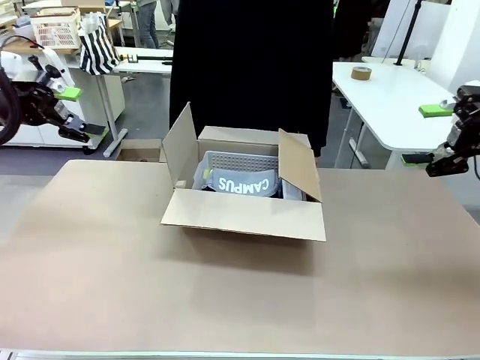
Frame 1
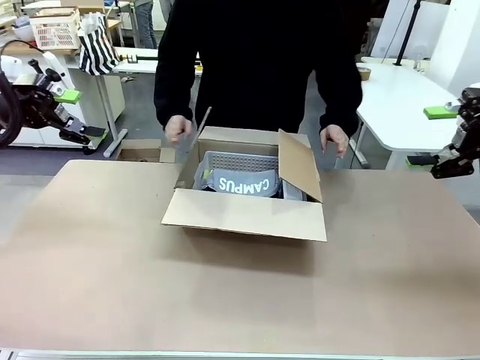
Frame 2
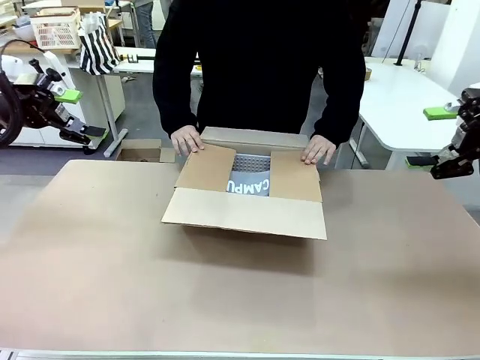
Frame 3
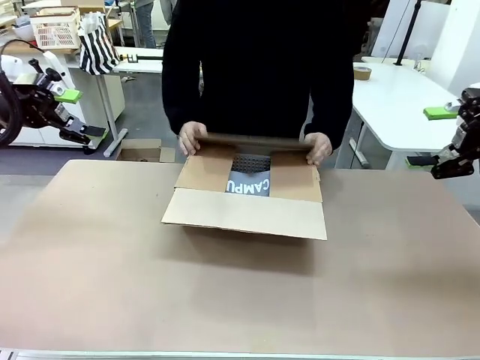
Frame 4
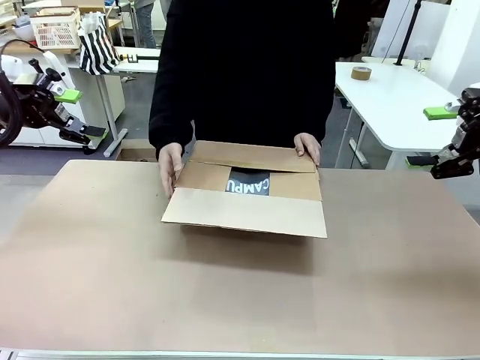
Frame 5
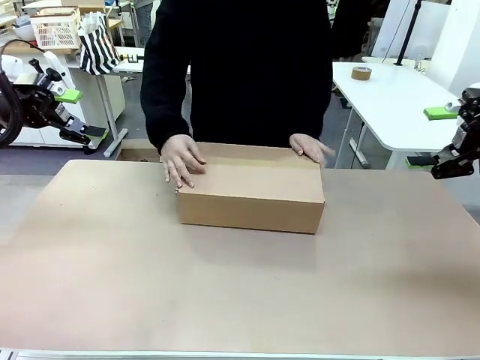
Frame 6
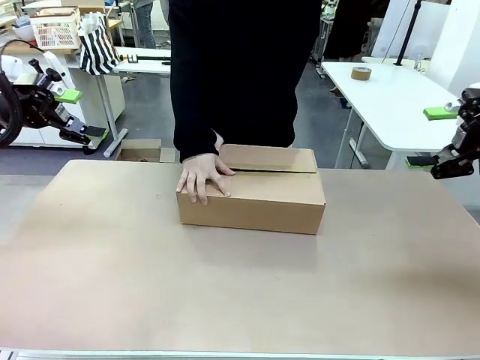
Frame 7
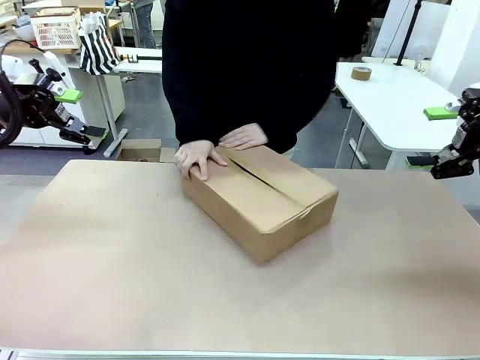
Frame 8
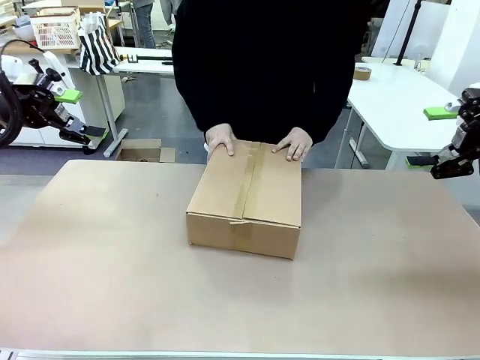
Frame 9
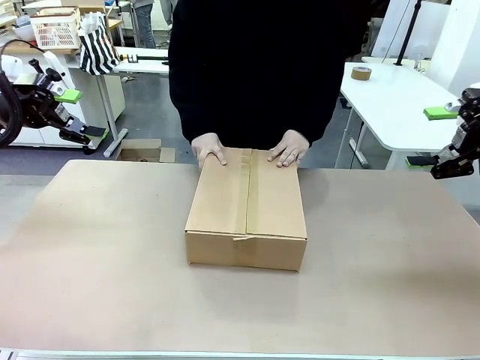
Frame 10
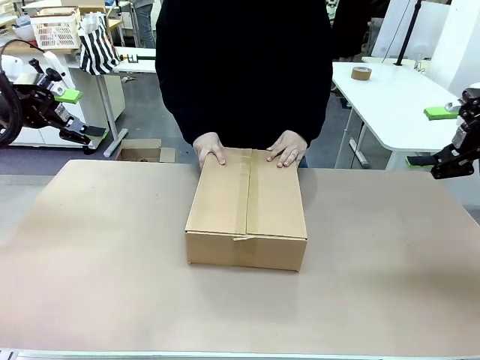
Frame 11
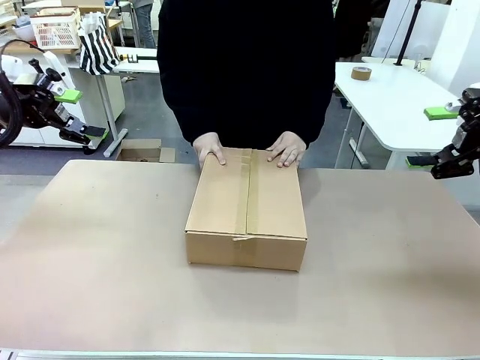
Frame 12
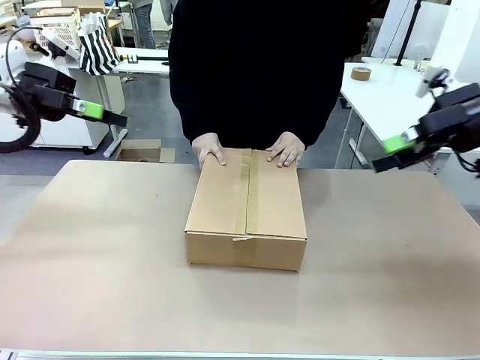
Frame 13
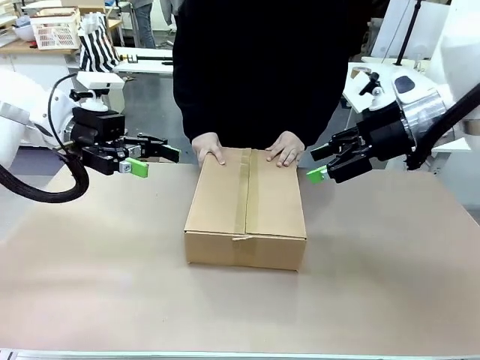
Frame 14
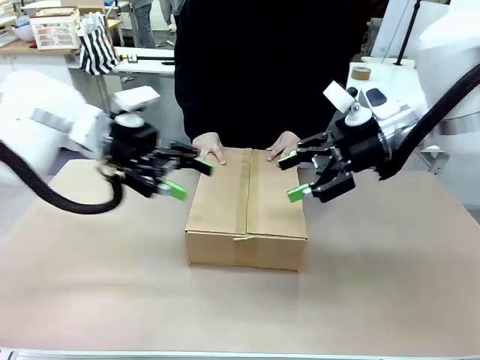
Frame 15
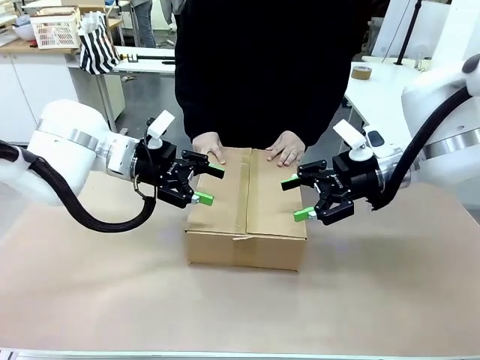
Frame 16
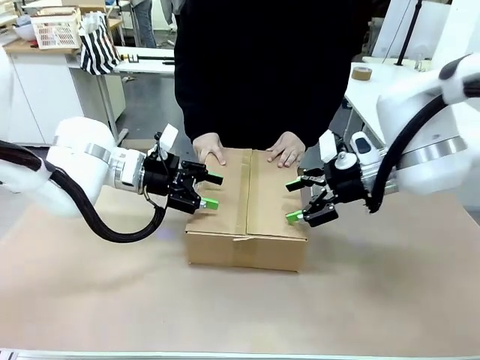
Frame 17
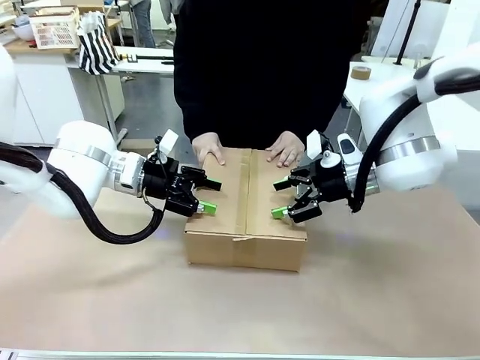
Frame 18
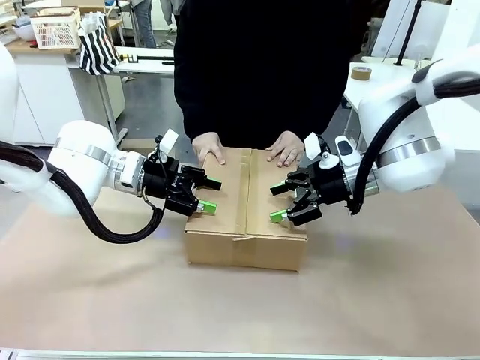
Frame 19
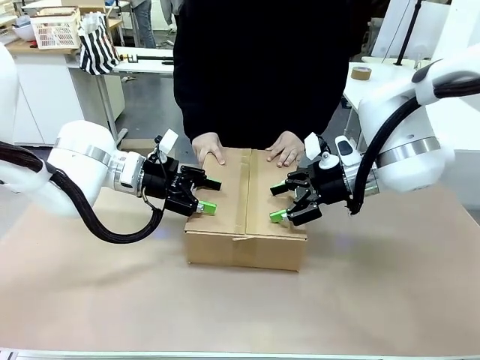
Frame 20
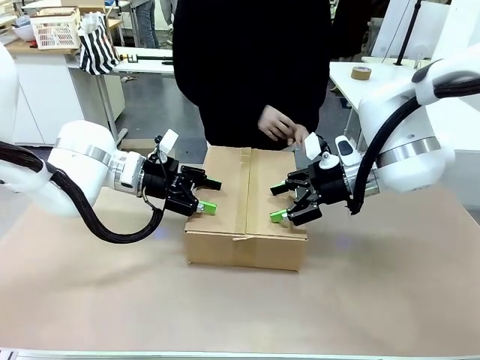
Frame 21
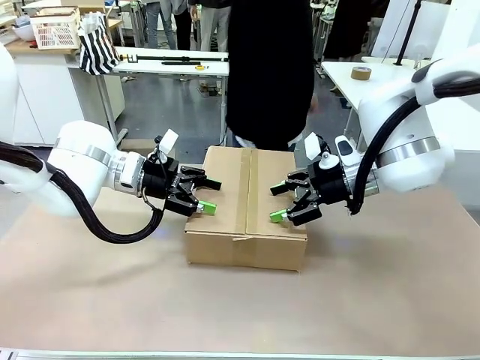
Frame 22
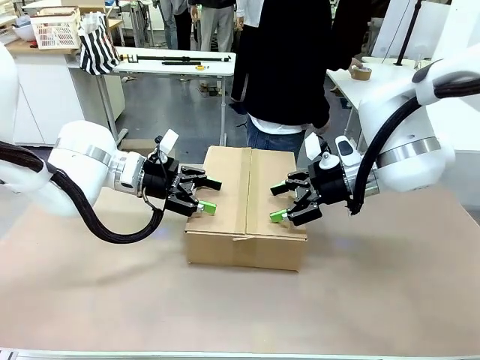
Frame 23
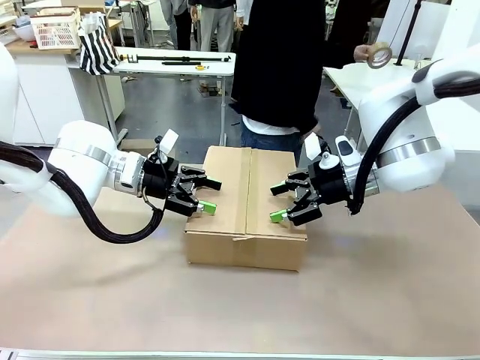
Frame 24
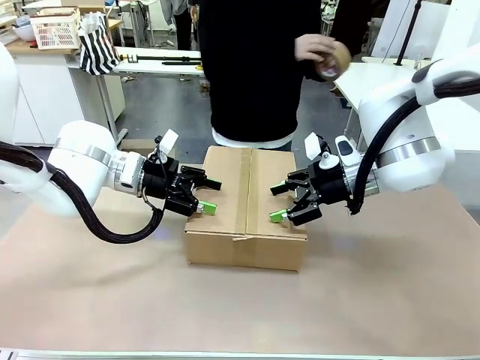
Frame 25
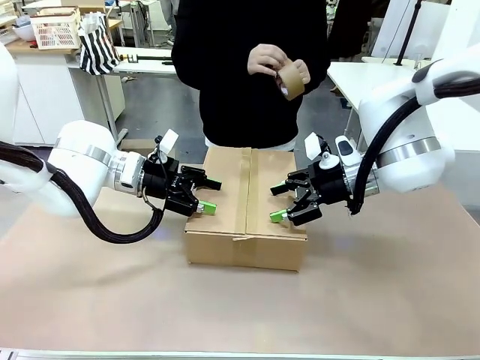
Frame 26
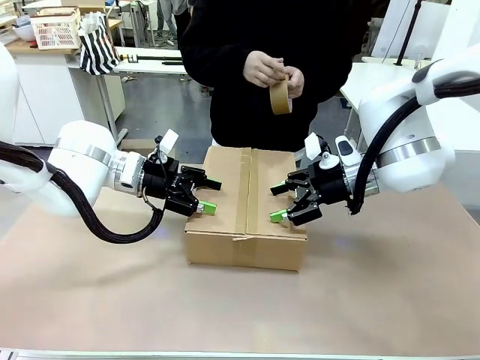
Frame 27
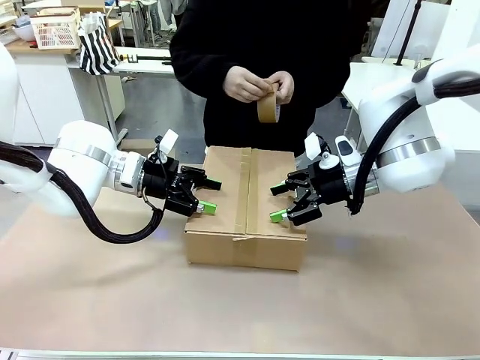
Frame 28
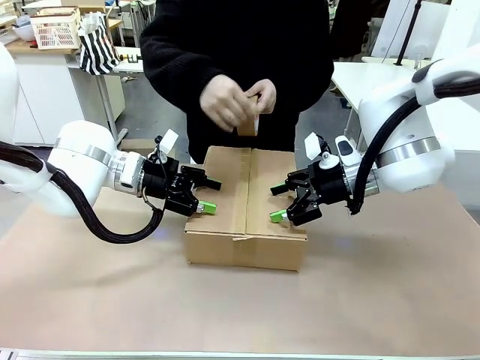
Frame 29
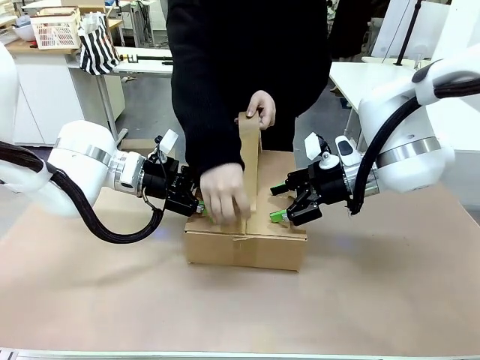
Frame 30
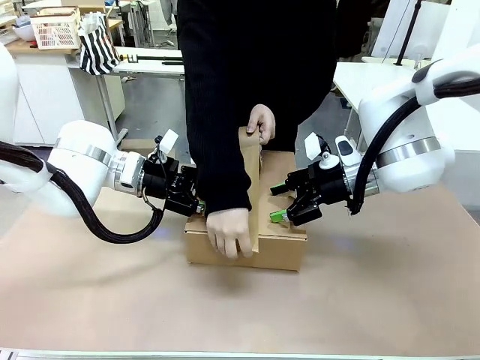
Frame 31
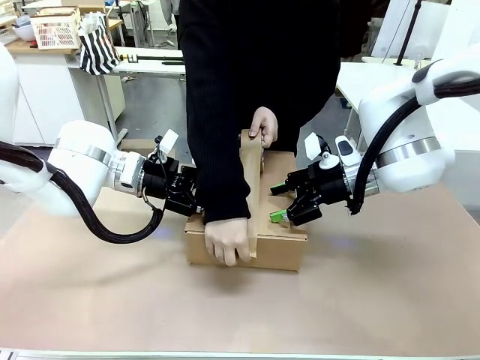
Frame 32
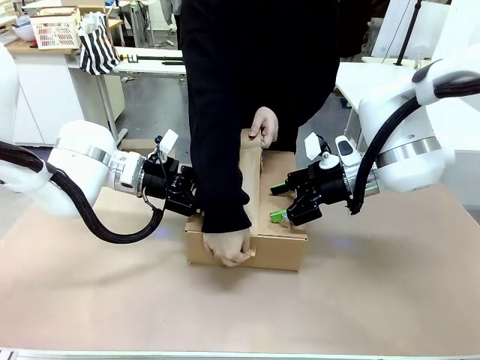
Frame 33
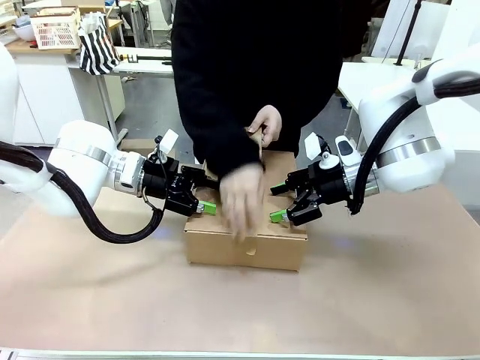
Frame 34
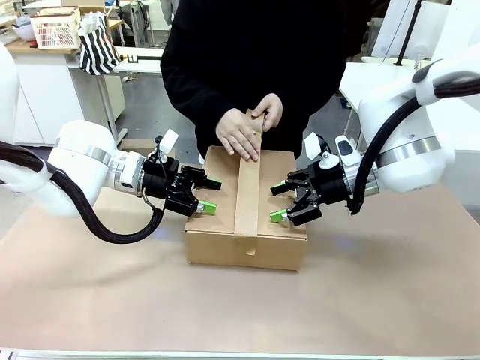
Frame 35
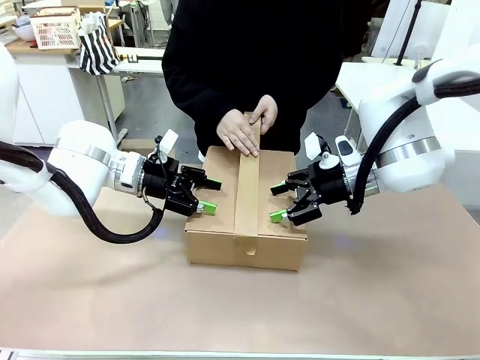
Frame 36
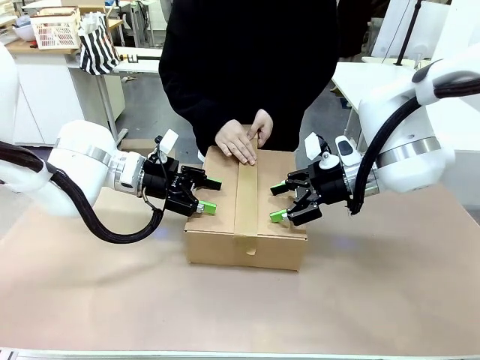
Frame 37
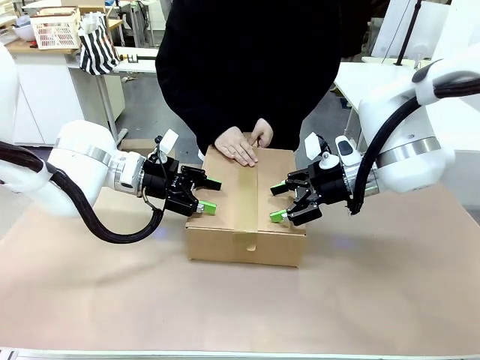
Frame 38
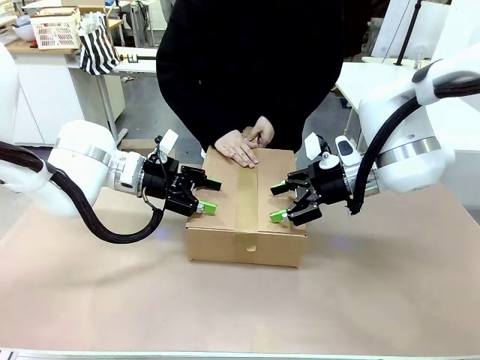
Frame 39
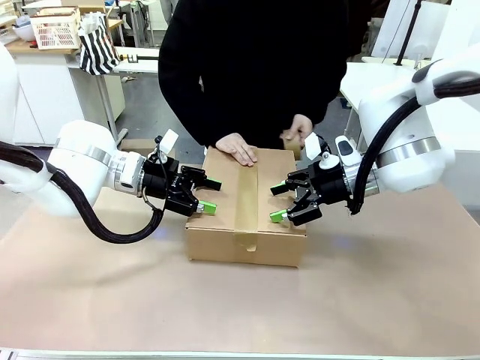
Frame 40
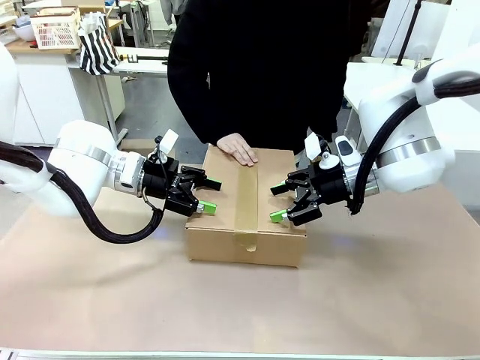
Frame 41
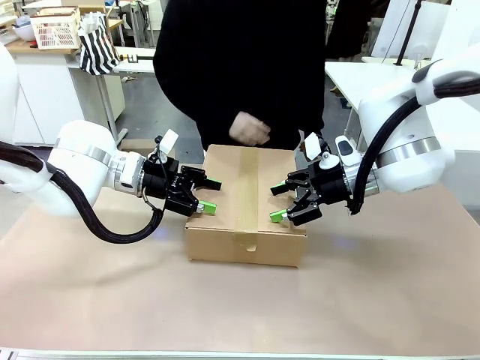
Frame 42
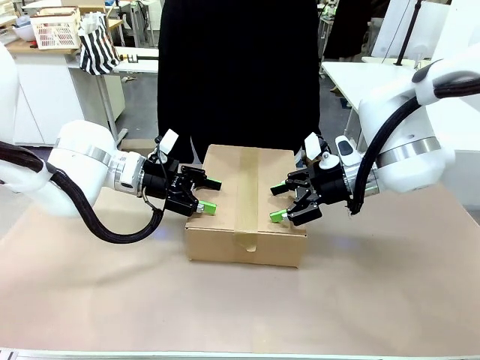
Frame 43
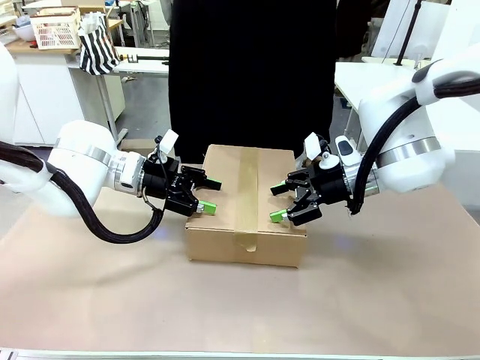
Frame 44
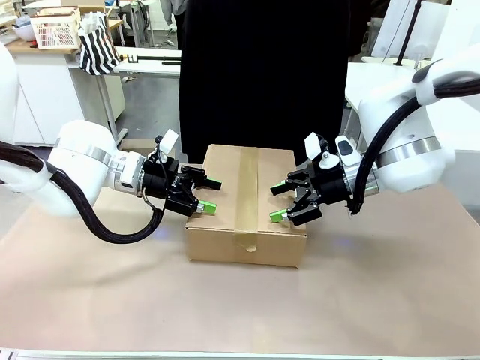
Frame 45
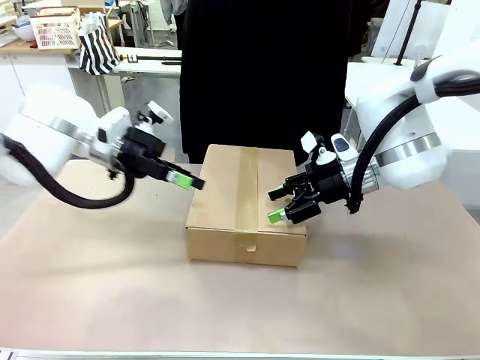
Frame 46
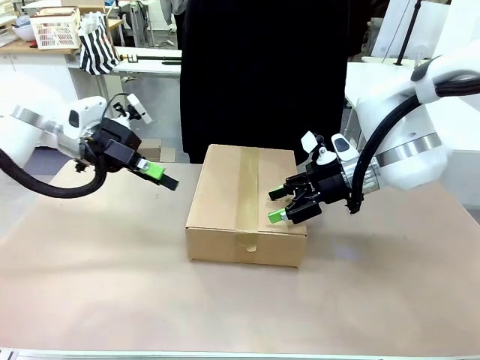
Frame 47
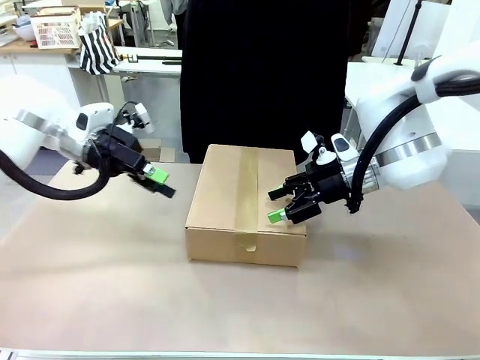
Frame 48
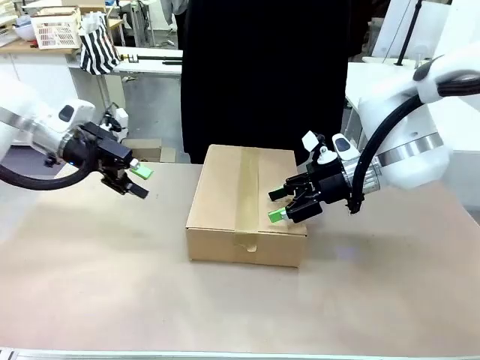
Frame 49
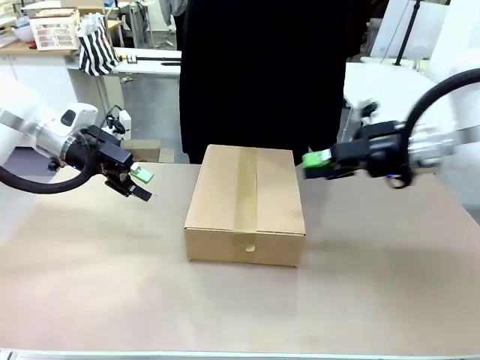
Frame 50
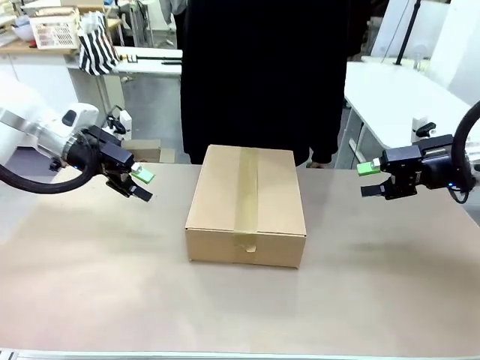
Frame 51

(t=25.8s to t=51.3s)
Task: Pack the gift set into the box.
Robot: Press and hold the closed box until the human finishes sealing it.
Person: The human closes the box and rotates the box by 90 degrees. The human picks up the paper tape from the human table and packs the box.
